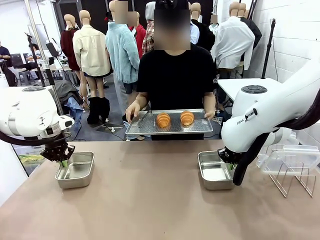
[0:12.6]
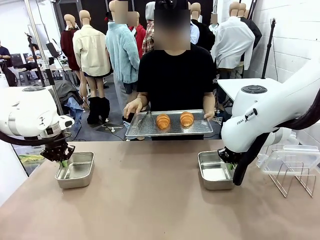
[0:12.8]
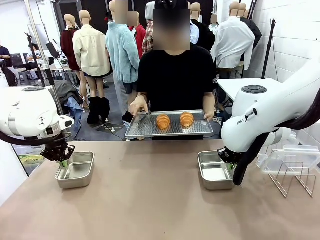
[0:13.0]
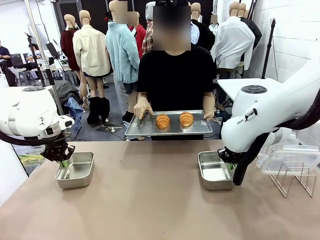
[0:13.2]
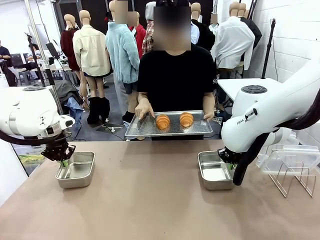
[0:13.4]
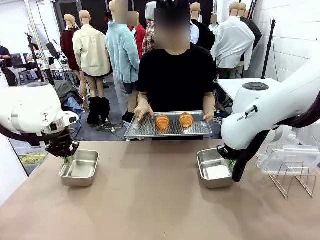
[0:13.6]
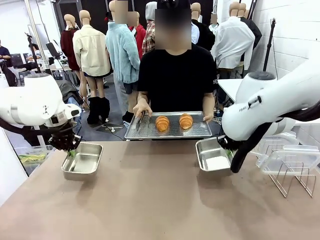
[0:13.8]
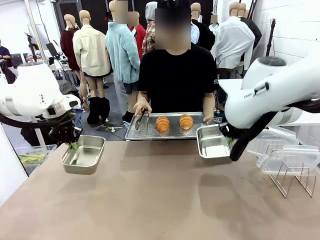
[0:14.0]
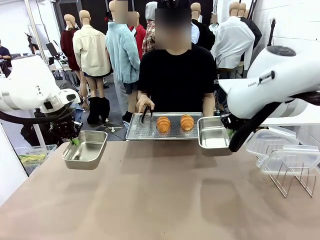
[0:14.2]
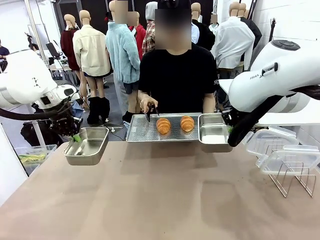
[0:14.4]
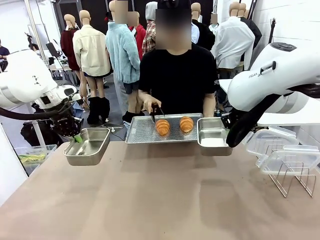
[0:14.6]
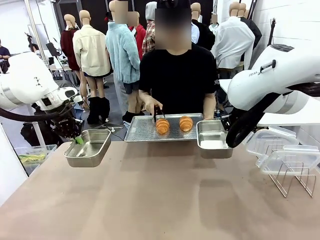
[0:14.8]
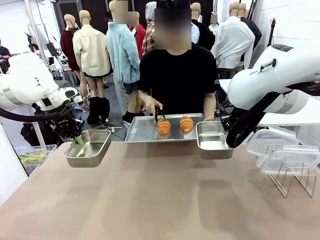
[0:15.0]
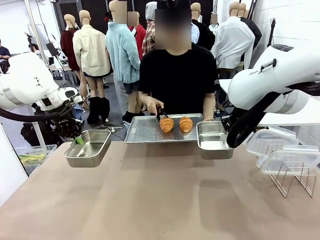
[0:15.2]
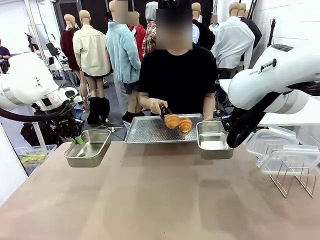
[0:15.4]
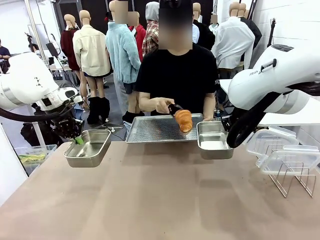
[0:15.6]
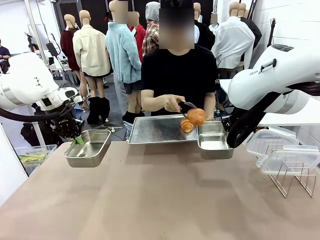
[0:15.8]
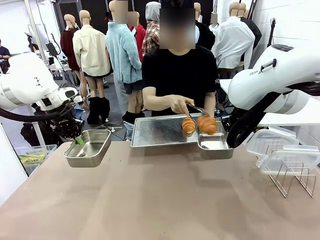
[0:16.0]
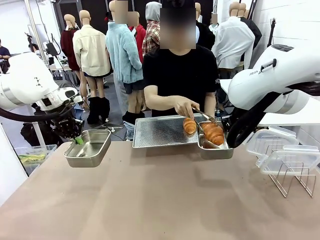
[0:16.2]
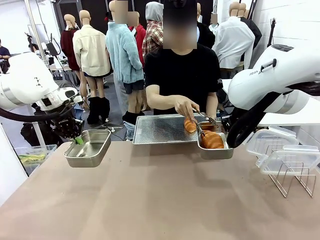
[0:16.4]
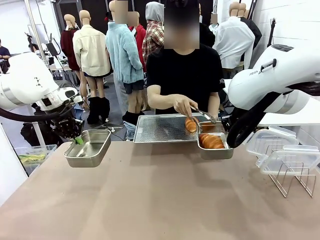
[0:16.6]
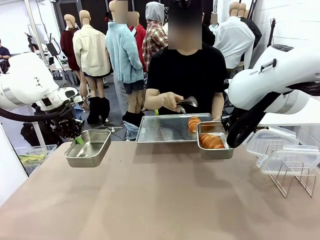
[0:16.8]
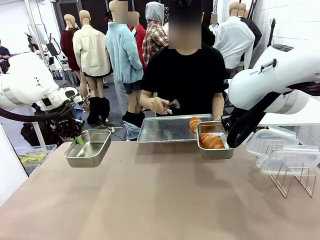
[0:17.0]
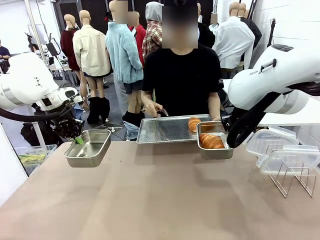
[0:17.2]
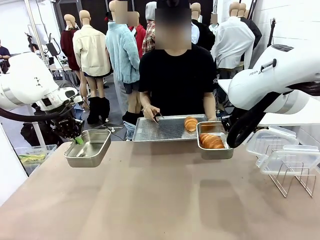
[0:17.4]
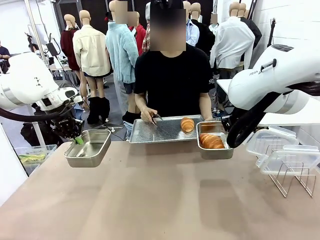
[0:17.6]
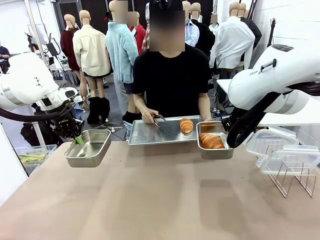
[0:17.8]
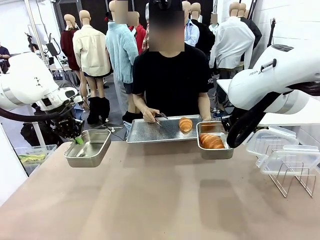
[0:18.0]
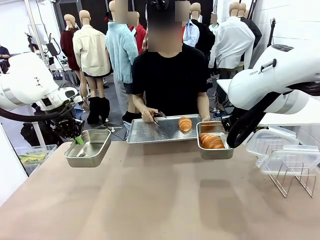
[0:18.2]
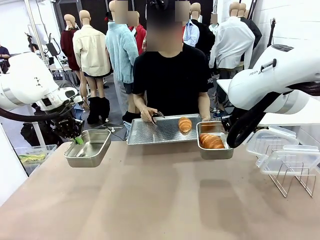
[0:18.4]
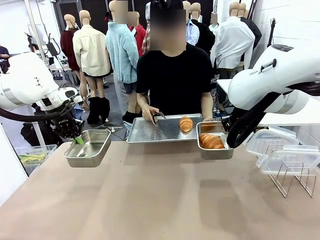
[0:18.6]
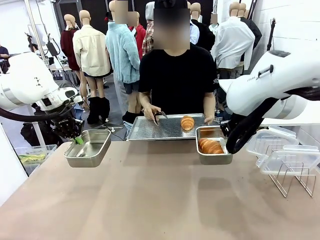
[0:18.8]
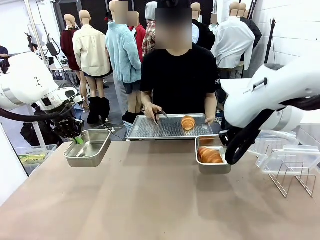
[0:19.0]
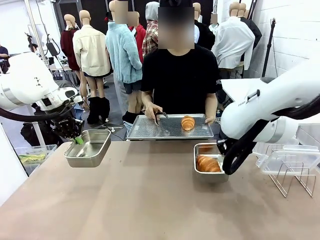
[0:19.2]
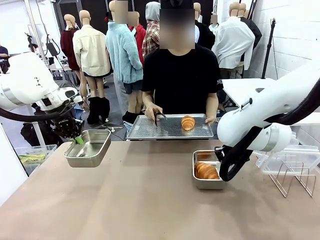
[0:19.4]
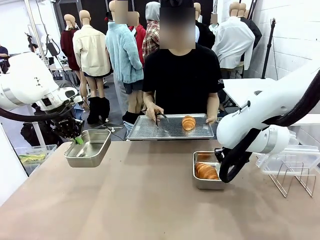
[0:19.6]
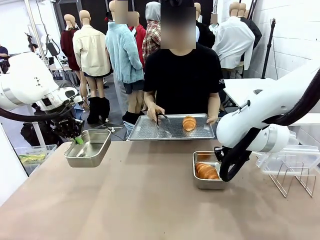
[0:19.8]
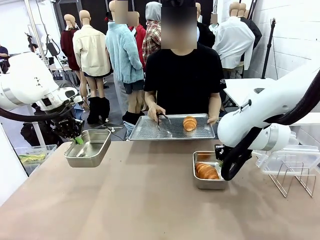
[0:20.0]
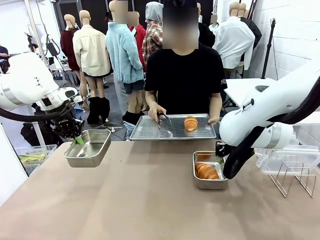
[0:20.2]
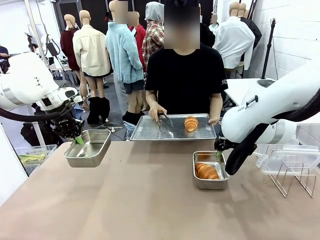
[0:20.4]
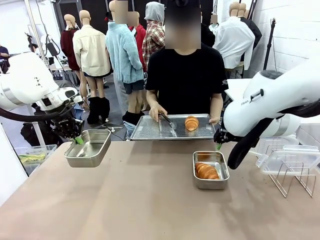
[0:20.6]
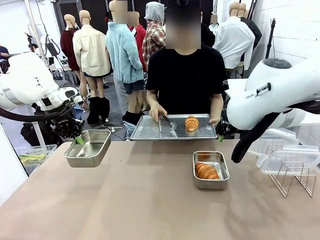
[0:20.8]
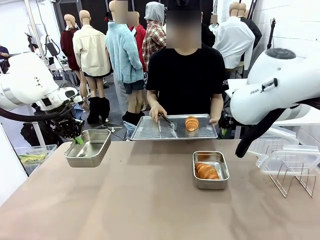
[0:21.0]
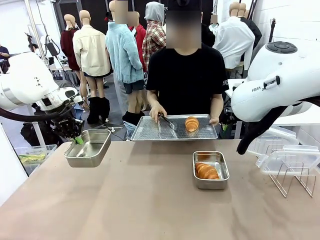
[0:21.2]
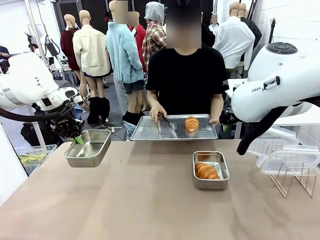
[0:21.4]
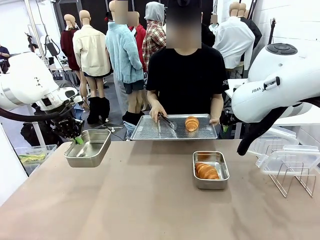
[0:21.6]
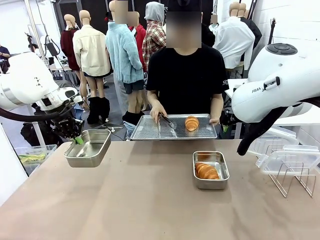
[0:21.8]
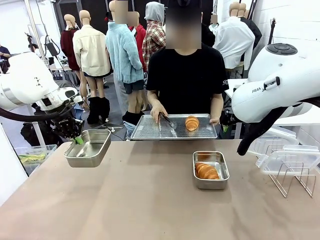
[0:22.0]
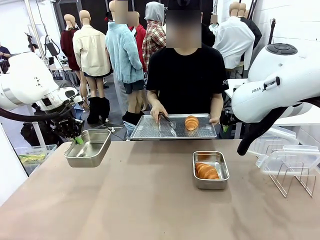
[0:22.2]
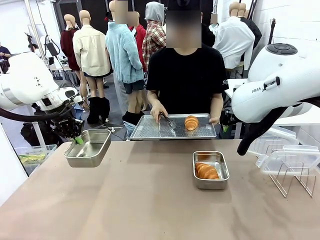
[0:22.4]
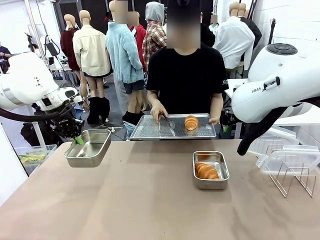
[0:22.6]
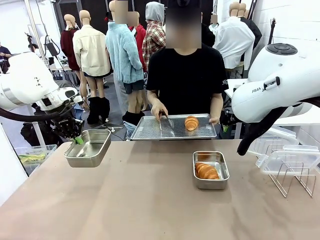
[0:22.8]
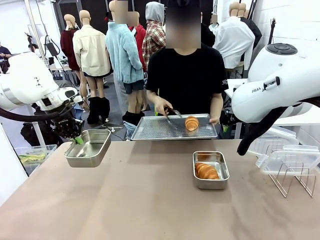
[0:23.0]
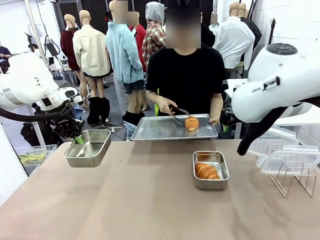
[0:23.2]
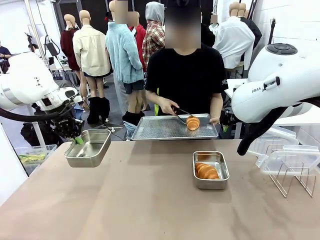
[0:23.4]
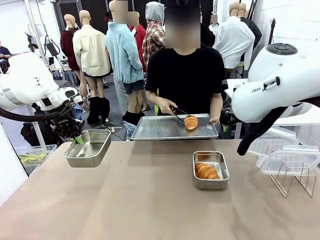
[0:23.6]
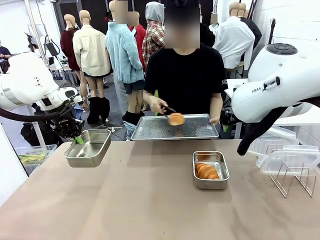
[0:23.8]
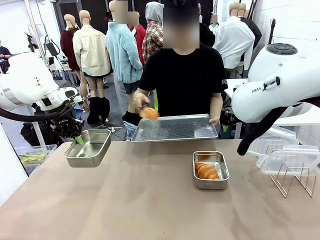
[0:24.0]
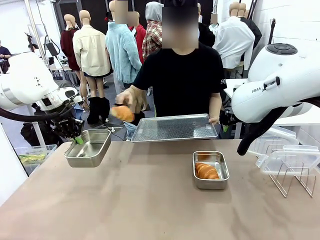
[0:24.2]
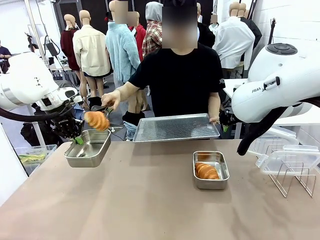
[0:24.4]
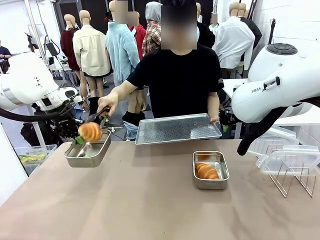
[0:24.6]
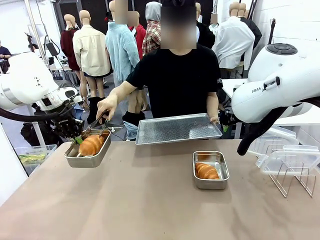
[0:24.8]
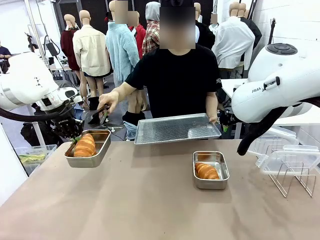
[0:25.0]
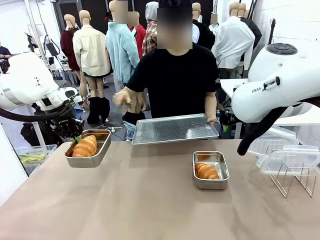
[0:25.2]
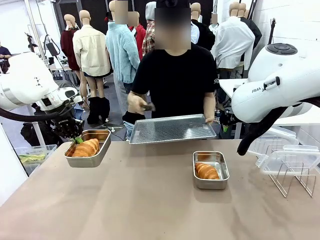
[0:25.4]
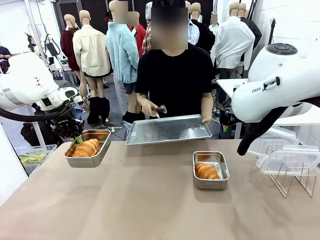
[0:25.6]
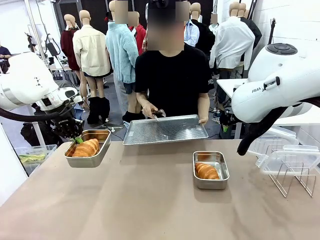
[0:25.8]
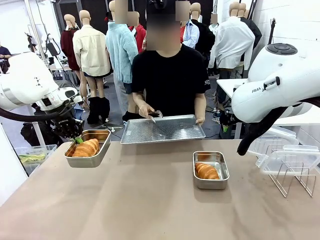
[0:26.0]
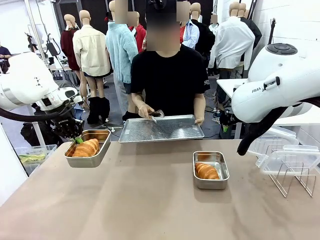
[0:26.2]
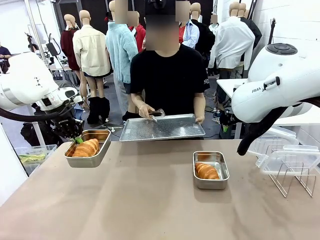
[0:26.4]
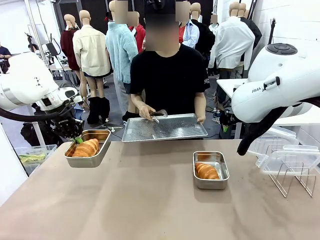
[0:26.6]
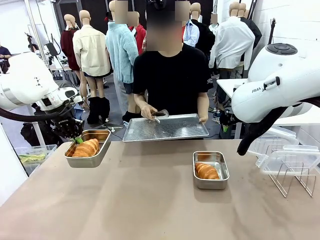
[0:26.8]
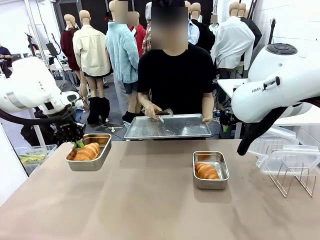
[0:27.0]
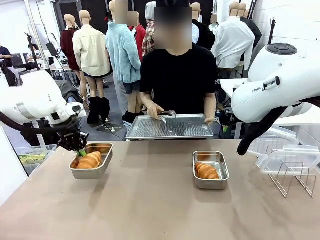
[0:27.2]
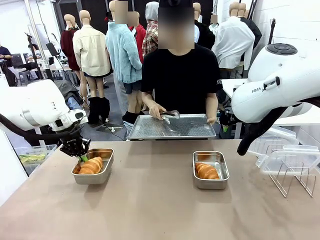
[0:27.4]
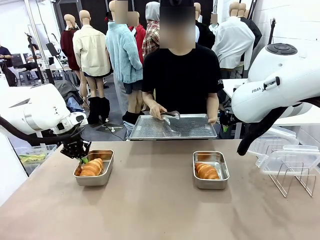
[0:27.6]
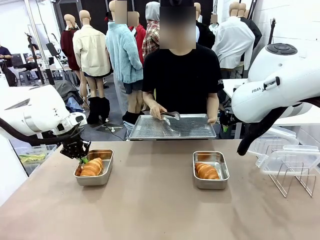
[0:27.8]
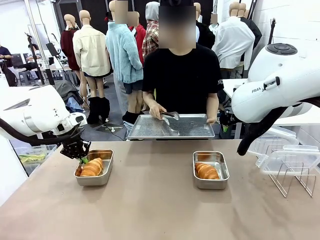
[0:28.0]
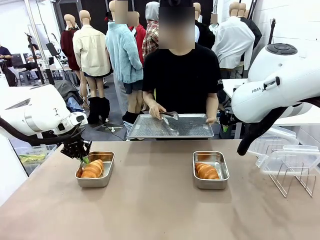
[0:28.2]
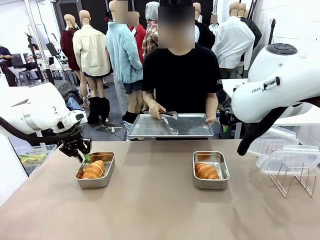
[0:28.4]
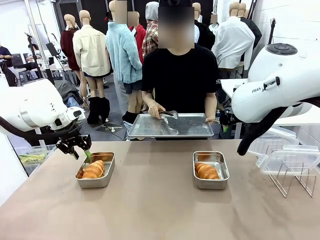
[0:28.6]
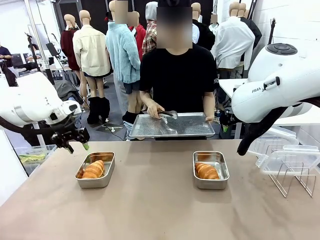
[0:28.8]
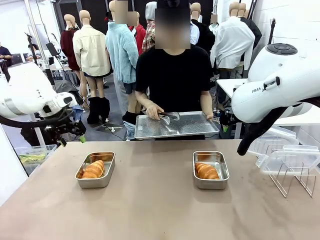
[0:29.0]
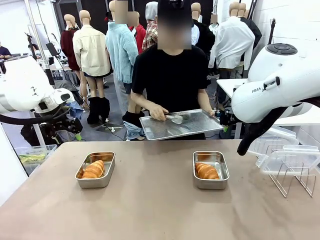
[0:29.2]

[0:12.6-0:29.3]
Task: Place the bread in airtight containers.
Robot: Once an object is inside an Airtight Container , place the container in the center of the table.
Person: Use the Stainless steel tongs to place one object from Baking Sheet into one Airtight Container.
